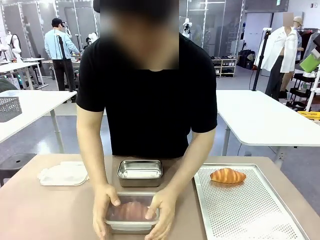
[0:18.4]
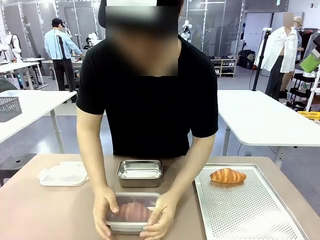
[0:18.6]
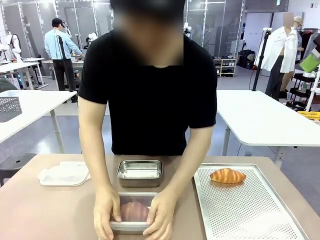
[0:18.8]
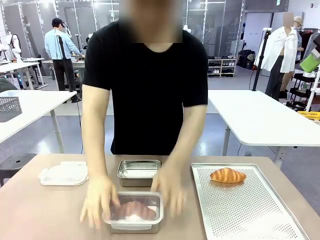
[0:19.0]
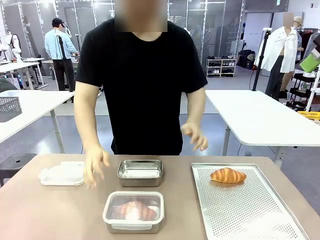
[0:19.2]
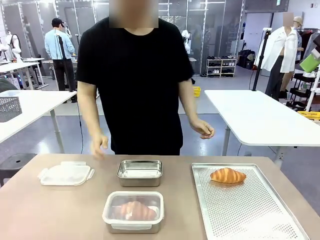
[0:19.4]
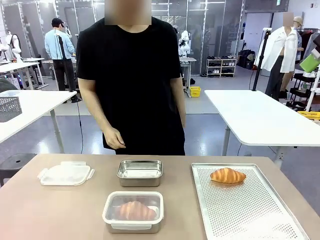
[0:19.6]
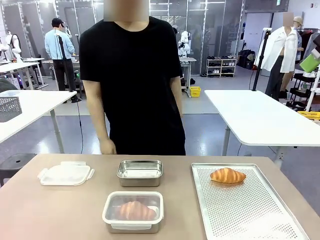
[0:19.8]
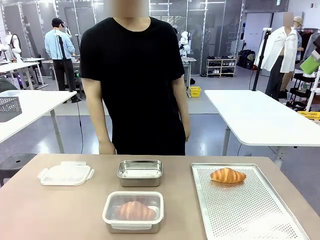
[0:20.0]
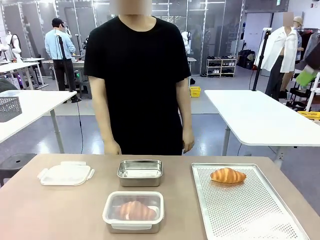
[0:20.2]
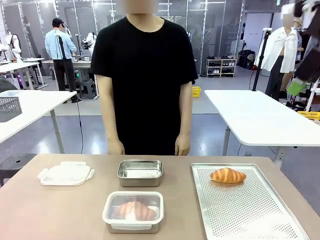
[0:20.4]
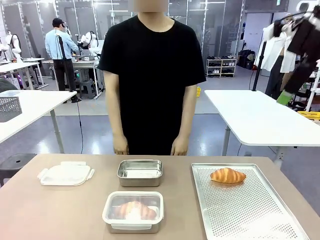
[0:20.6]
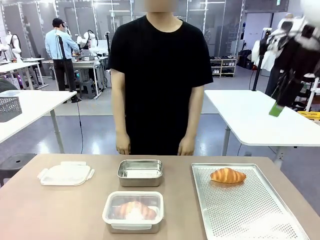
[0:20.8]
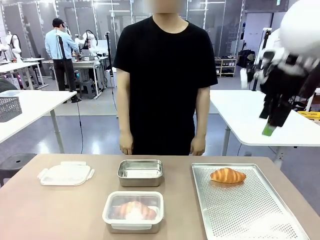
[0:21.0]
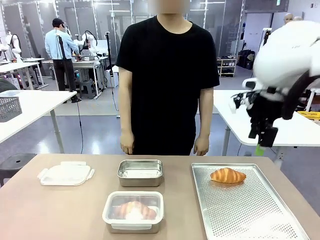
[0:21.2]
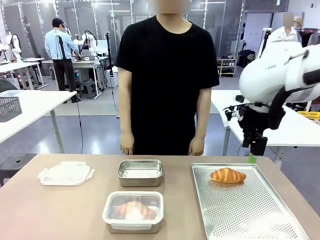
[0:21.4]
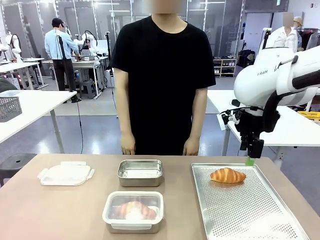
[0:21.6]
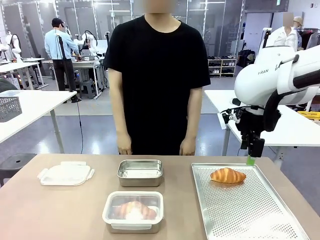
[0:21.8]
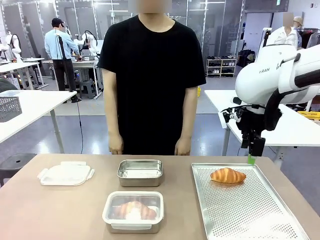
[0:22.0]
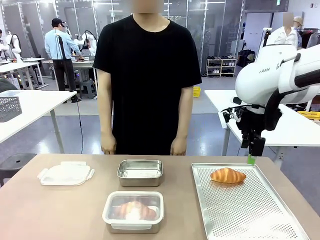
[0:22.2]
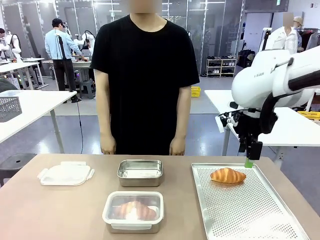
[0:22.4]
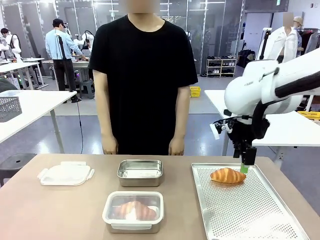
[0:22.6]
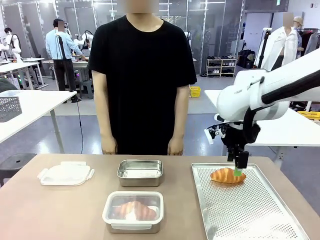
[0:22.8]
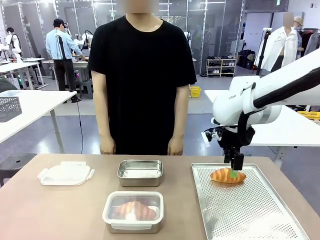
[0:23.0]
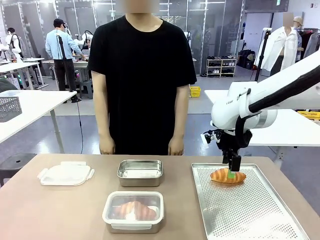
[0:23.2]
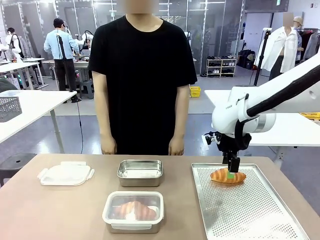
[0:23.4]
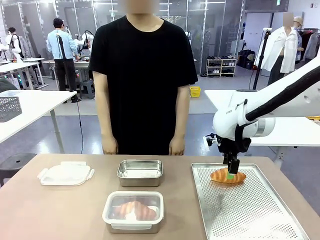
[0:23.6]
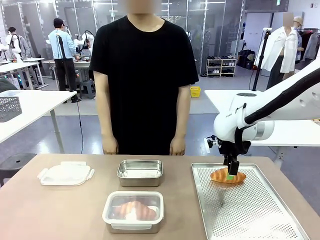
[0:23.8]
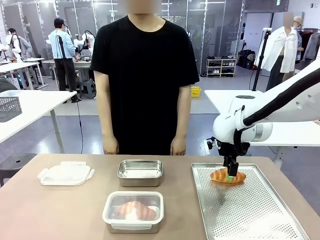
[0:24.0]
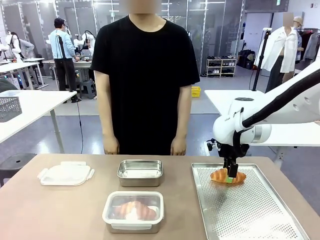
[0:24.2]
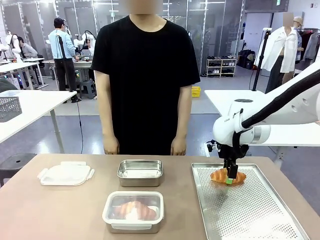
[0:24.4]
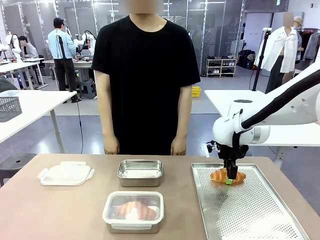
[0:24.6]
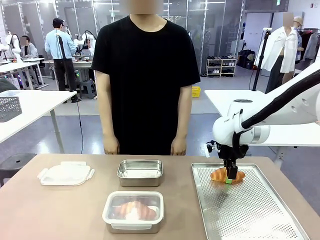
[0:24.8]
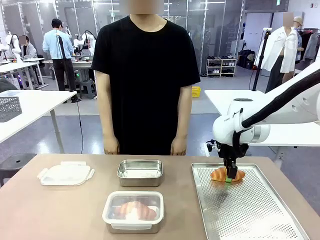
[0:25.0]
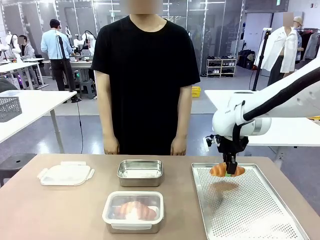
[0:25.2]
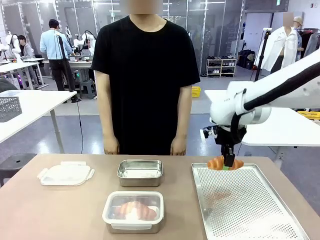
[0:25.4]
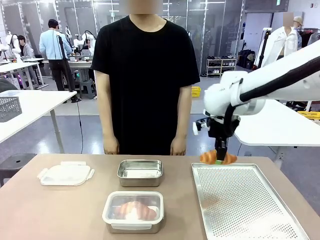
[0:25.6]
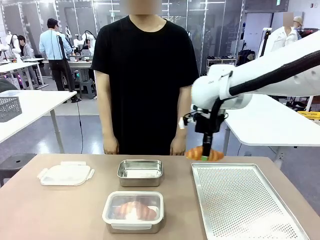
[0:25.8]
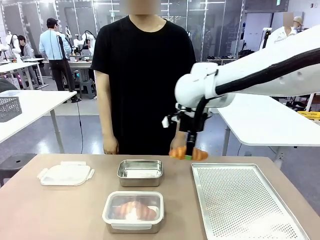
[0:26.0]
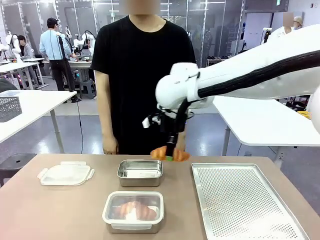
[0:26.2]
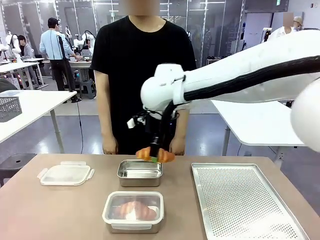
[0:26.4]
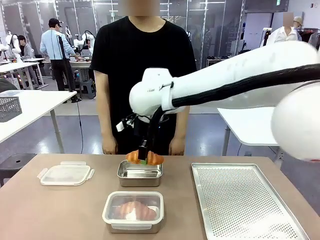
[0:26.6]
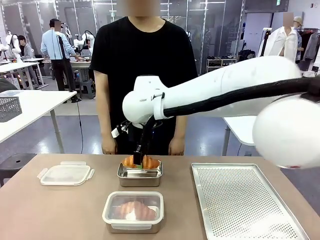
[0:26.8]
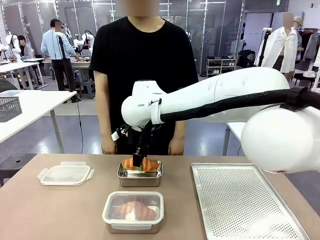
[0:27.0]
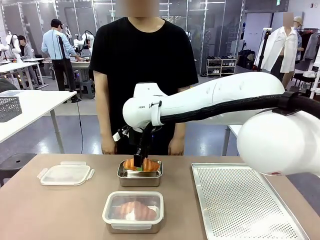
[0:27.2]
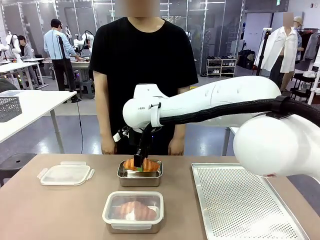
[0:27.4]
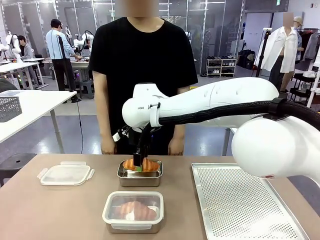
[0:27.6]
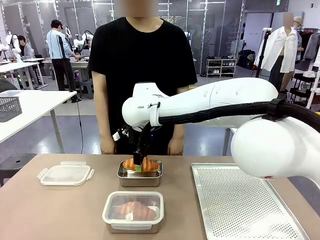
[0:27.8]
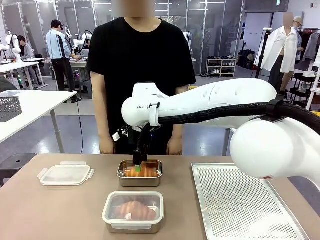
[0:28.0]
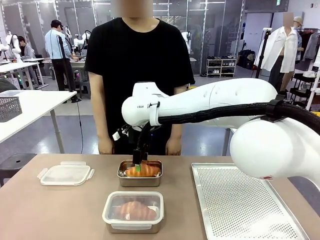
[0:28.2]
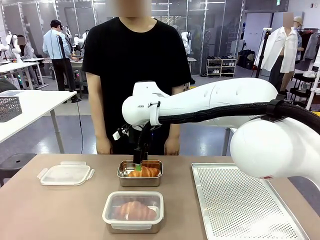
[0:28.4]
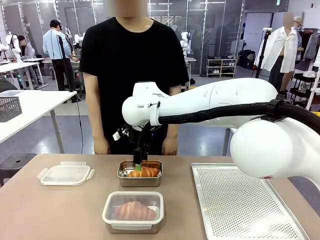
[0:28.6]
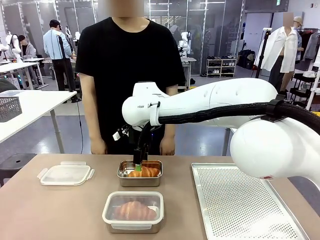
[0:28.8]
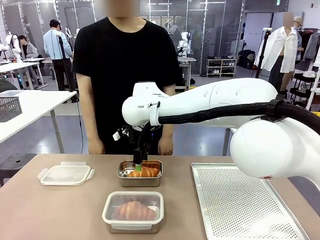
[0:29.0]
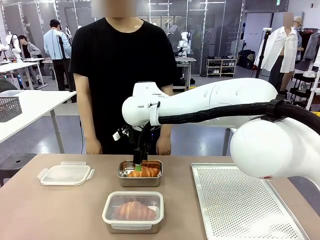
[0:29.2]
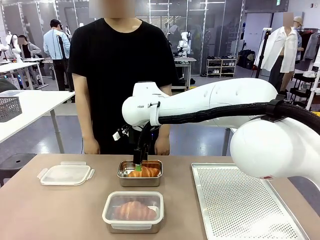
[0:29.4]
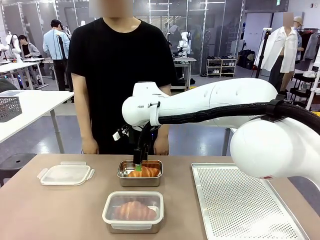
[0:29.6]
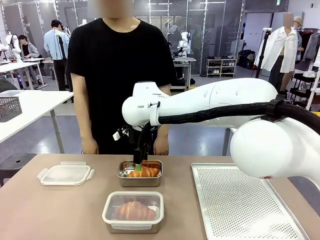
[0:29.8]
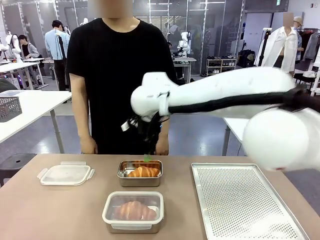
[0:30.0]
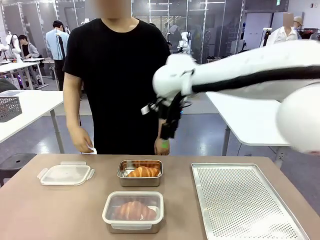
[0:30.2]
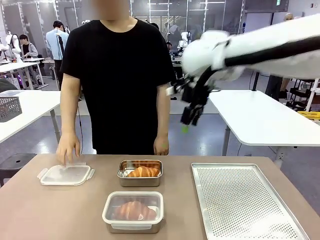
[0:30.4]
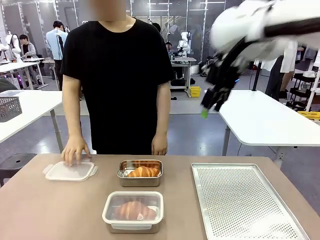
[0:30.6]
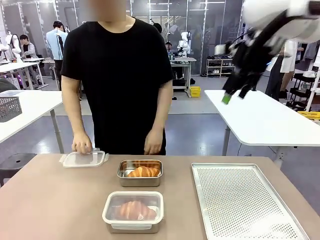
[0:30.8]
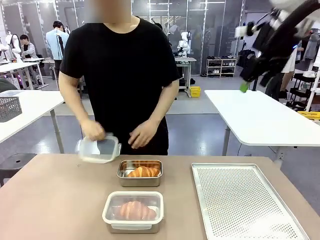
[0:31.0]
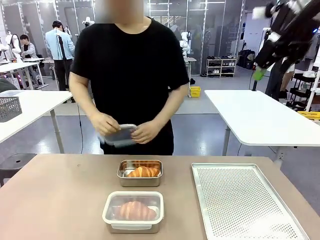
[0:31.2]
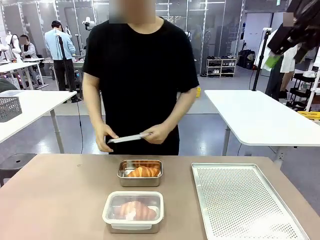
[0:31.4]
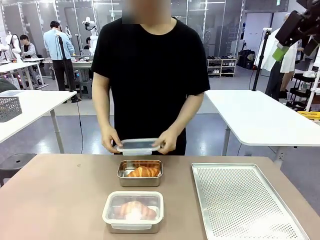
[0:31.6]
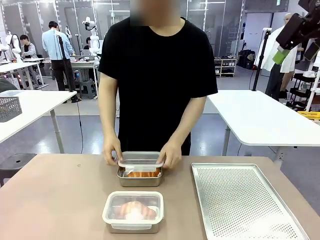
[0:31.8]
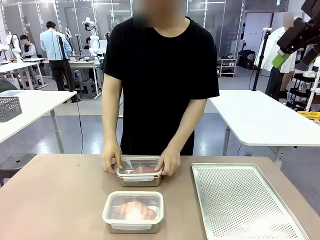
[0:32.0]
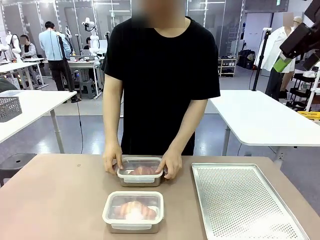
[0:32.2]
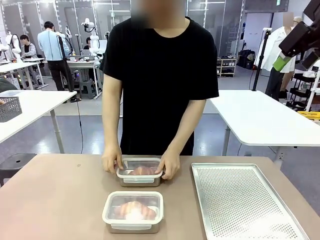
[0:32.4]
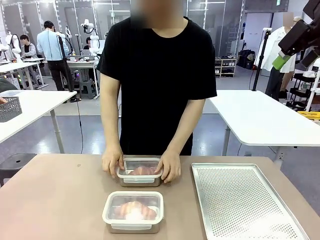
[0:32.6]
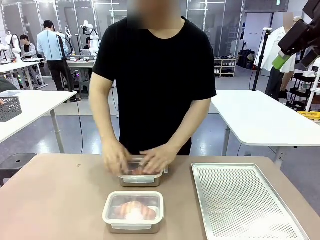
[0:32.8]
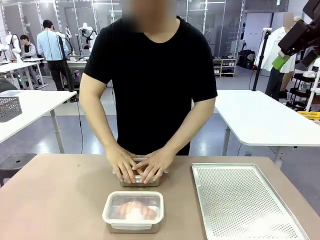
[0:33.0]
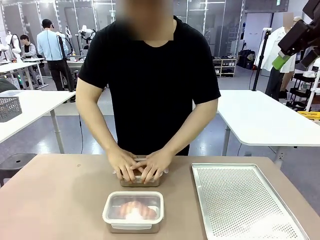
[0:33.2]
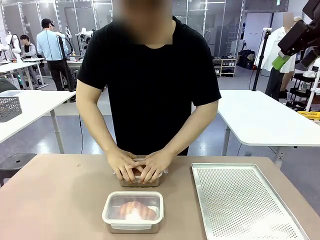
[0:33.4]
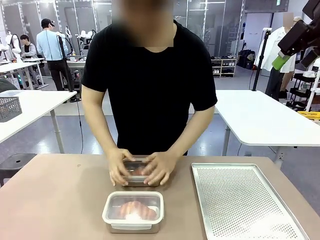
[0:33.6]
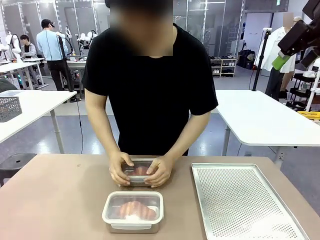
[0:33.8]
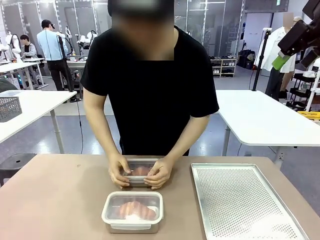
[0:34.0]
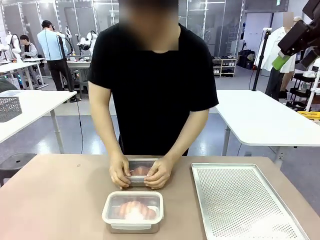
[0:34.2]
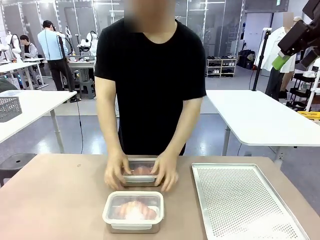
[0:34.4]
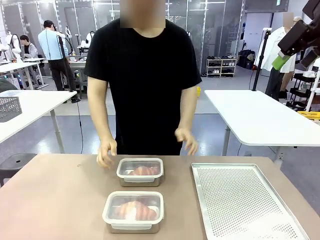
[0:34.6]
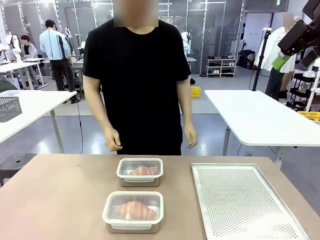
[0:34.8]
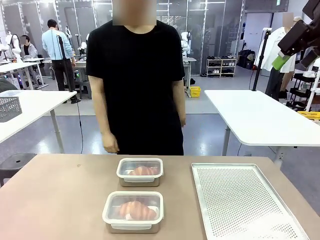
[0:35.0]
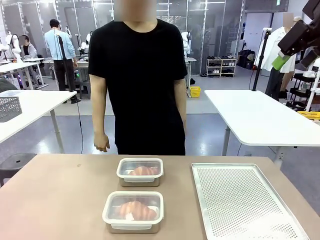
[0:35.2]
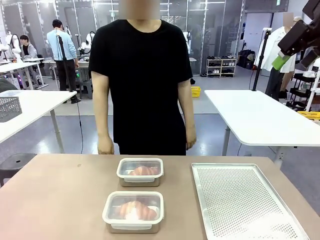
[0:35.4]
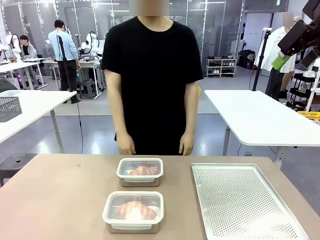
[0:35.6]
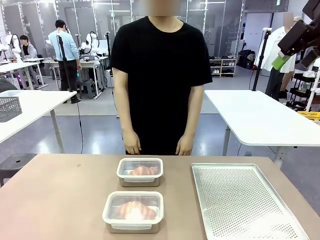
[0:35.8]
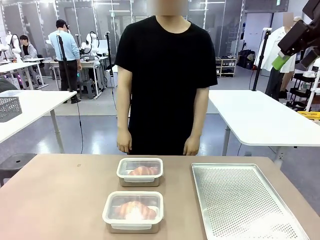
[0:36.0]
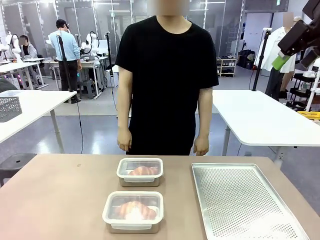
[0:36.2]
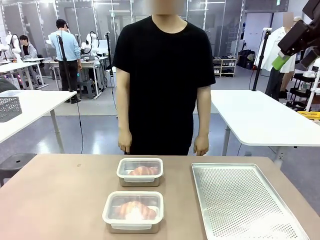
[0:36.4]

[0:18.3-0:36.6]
Task: Place the bread into the airtight container.
Robot: Pick up a Butter Roll and place it into an empty Airtight Container.
